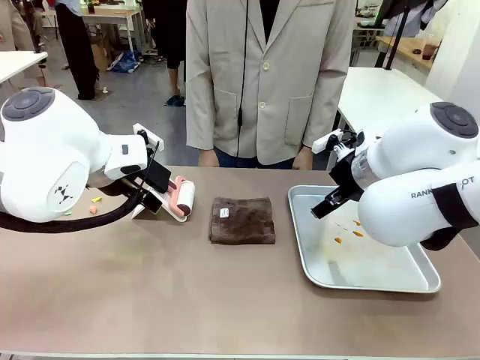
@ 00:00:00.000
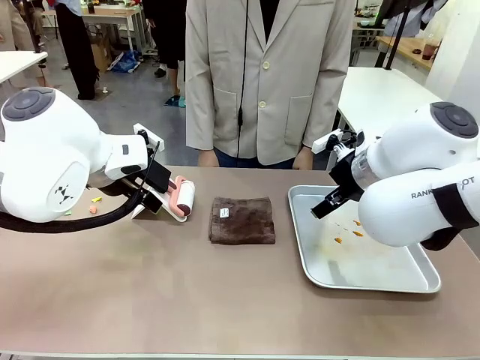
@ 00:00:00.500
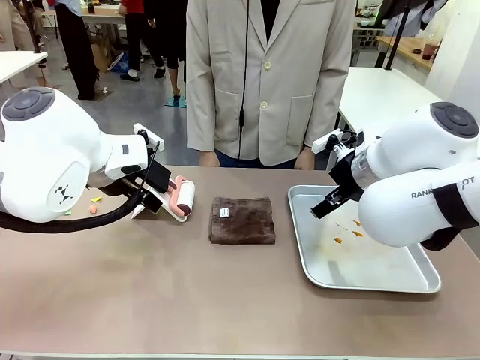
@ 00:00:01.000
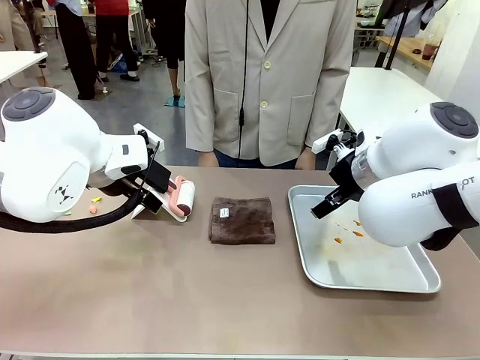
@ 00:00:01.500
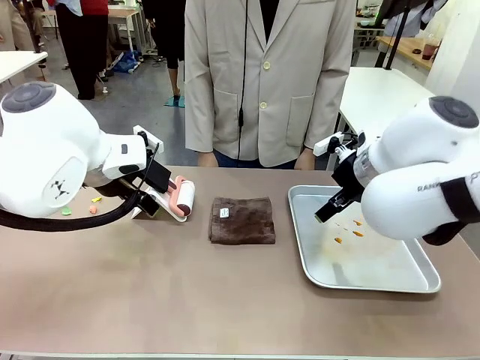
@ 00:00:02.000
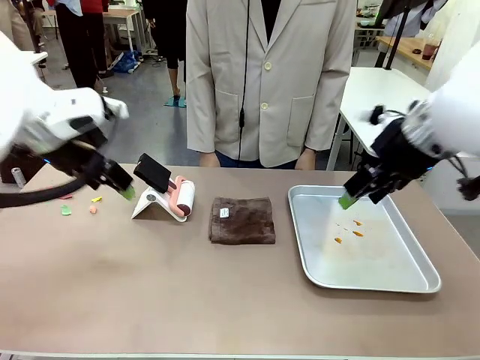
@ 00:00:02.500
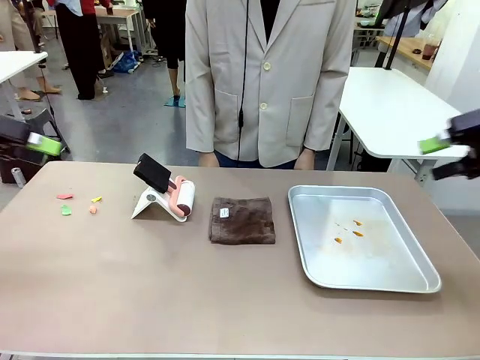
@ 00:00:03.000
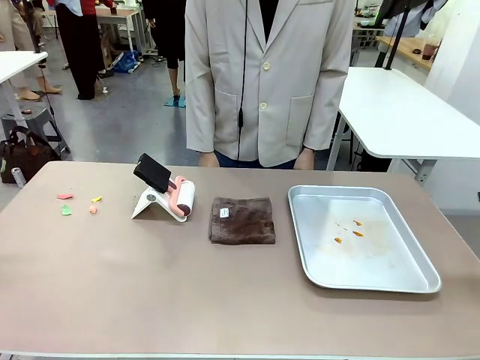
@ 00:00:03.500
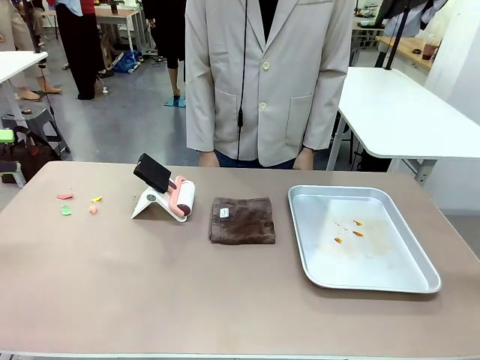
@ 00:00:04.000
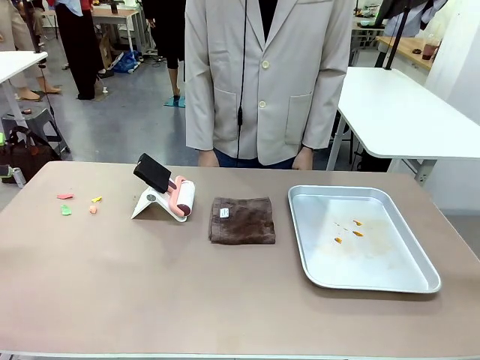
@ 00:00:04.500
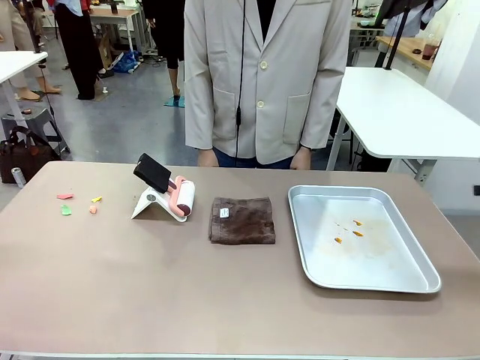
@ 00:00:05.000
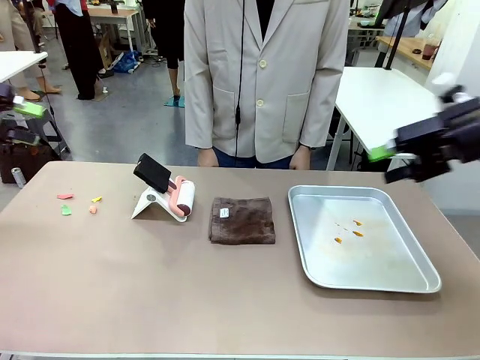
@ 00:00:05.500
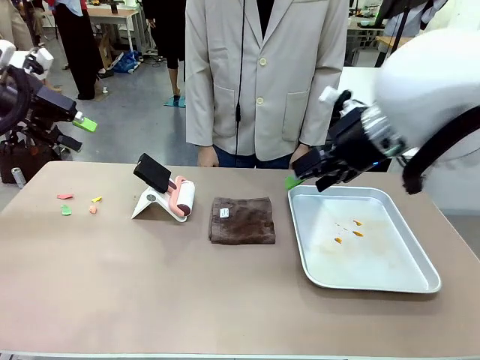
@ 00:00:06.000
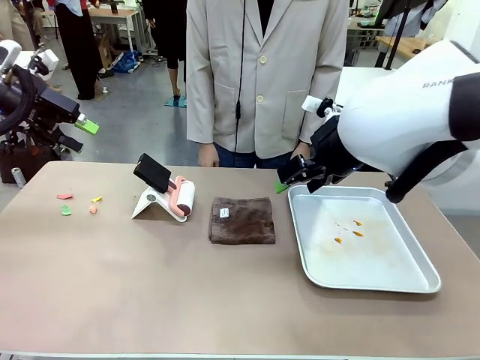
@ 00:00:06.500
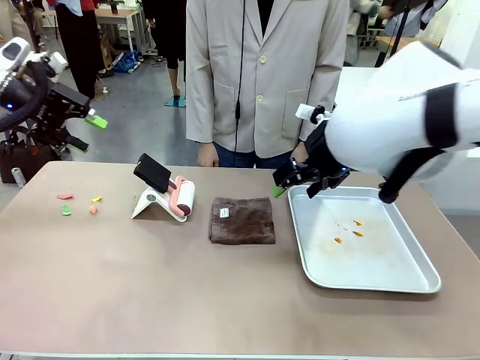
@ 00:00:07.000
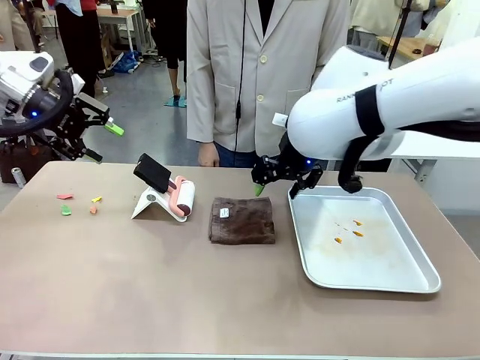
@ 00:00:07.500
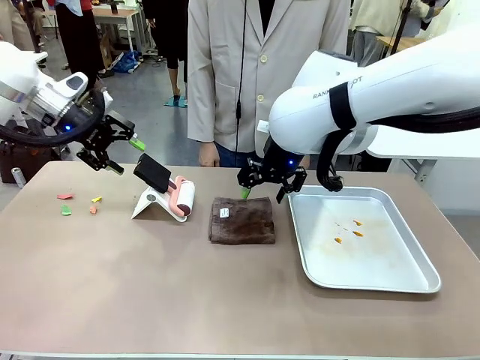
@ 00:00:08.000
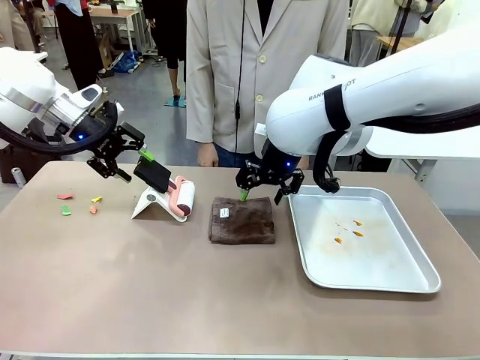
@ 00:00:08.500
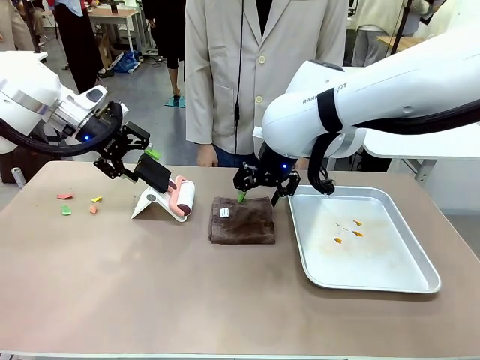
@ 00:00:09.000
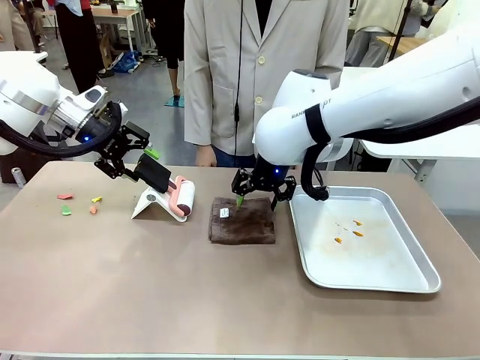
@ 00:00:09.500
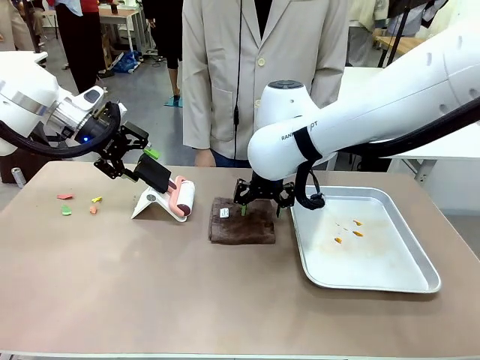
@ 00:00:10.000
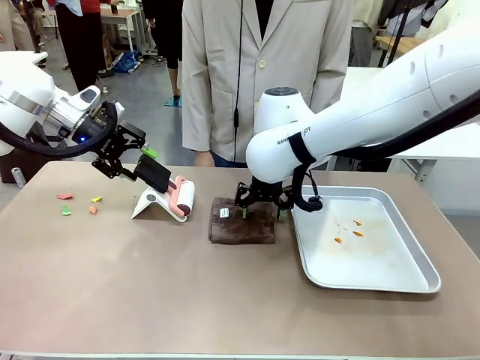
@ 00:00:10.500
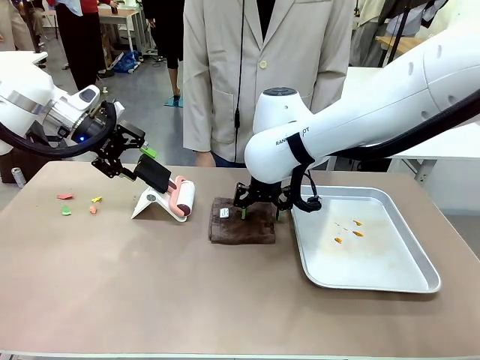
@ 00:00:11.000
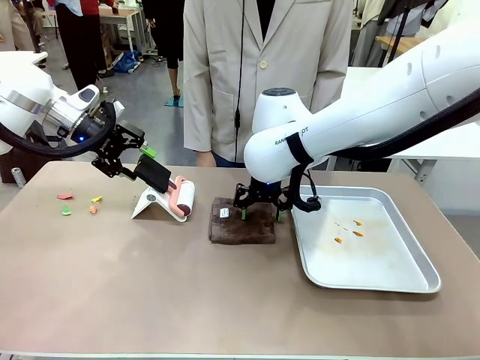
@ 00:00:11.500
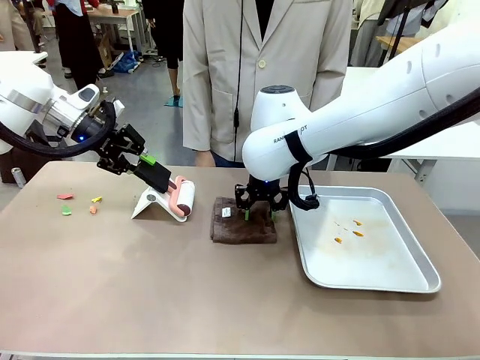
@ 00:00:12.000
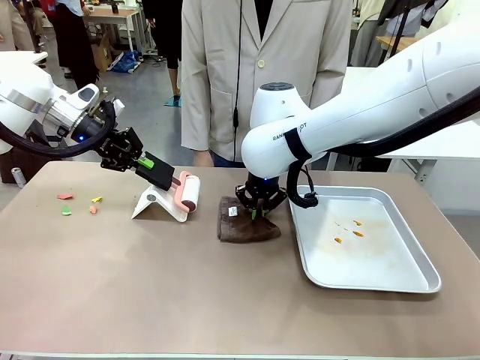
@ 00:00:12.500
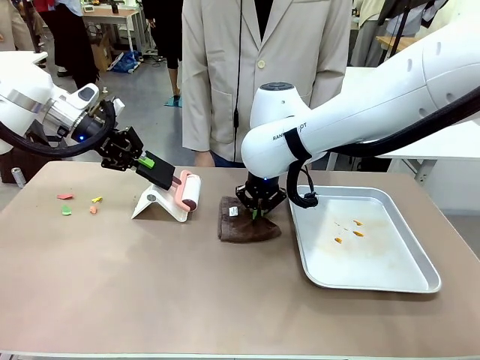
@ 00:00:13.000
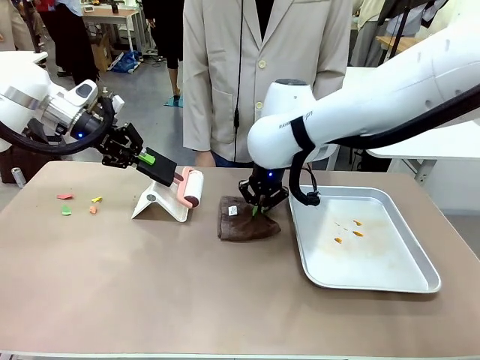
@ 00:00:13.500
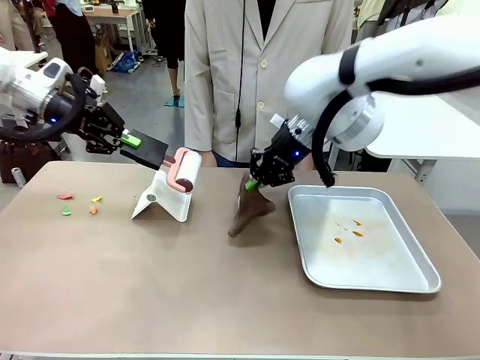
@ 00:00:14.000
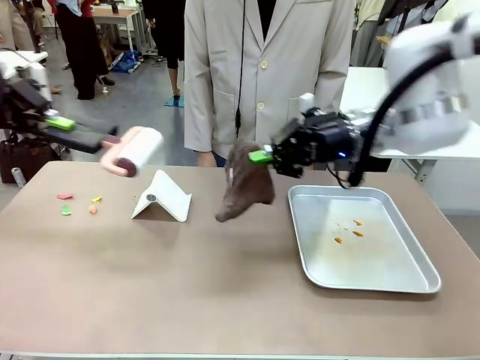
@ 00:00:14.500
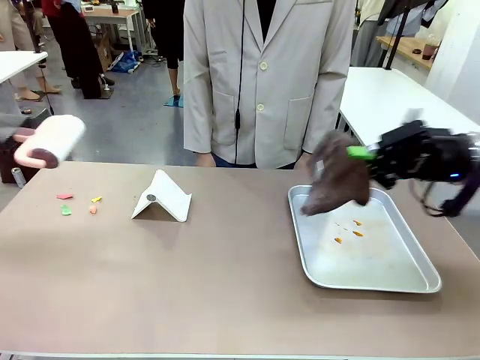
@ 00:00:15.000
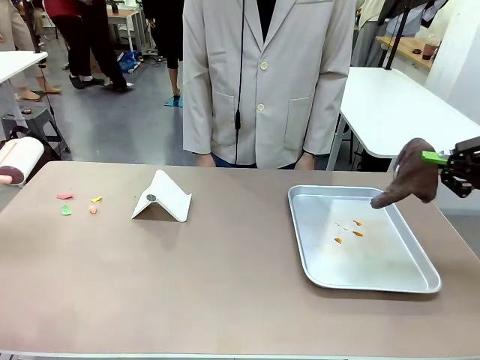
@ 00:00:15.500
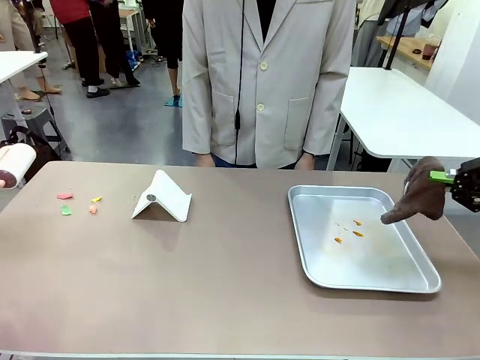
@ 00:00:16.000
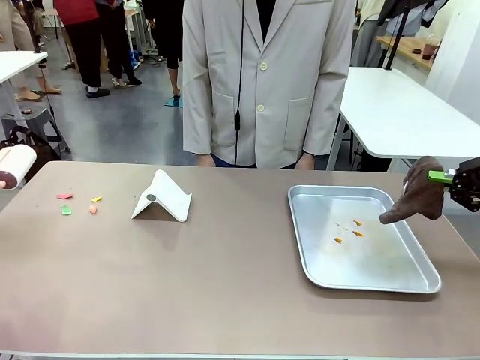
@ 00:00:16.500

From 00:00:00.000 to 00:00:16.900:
Task: Clean the surface of the table.
Robot: Hold the Lint Roller with your left hand and the towel with your right hand.

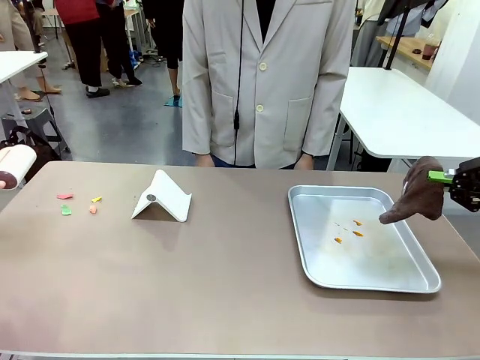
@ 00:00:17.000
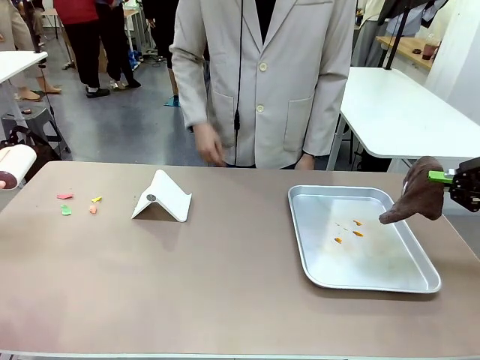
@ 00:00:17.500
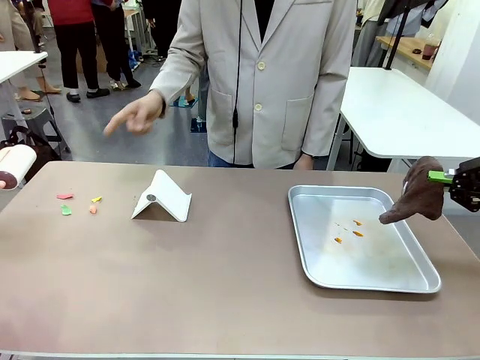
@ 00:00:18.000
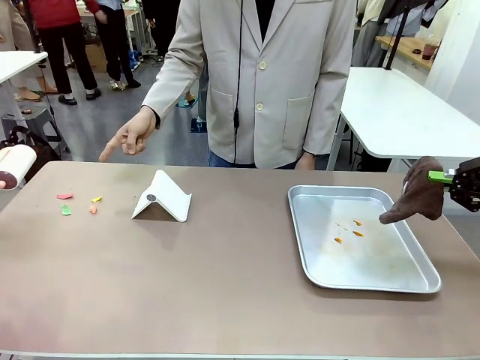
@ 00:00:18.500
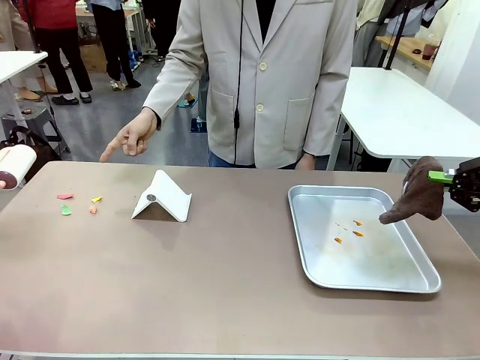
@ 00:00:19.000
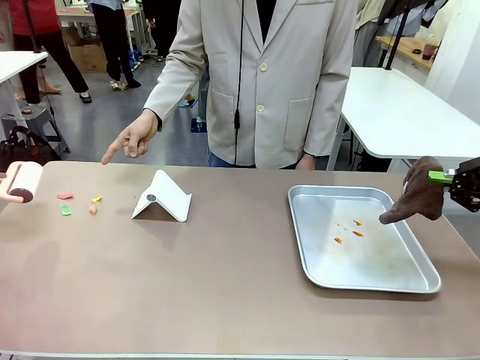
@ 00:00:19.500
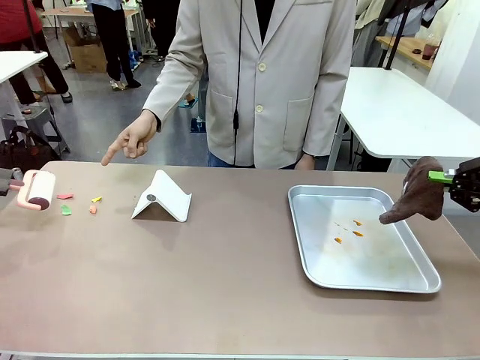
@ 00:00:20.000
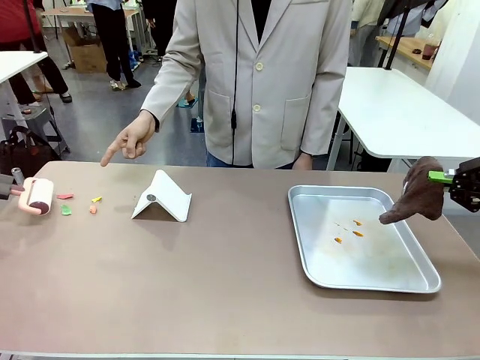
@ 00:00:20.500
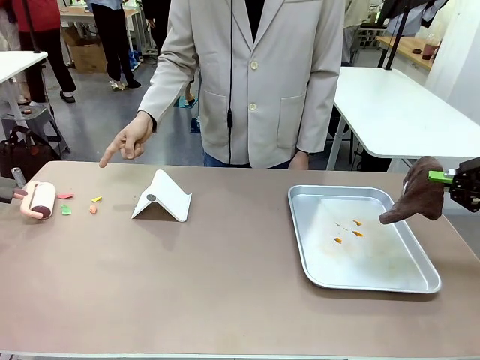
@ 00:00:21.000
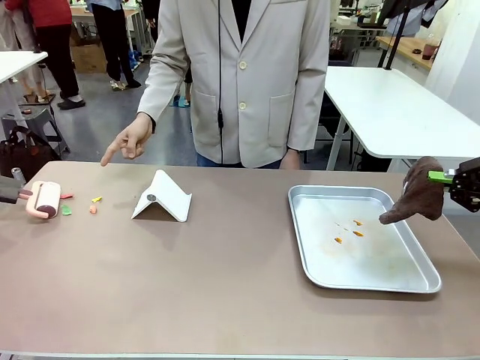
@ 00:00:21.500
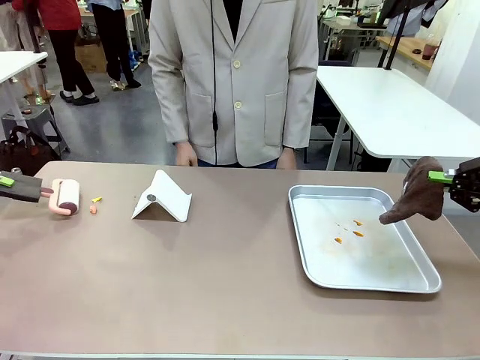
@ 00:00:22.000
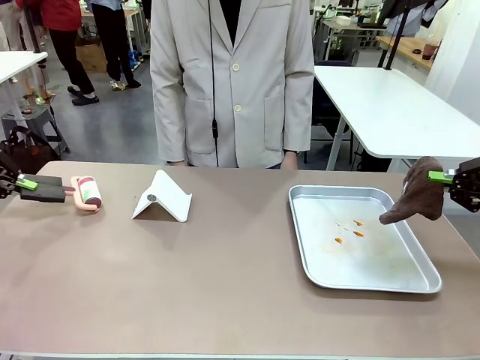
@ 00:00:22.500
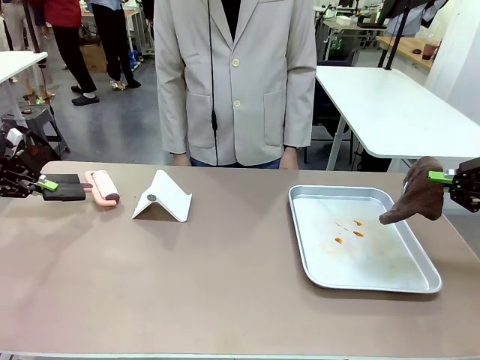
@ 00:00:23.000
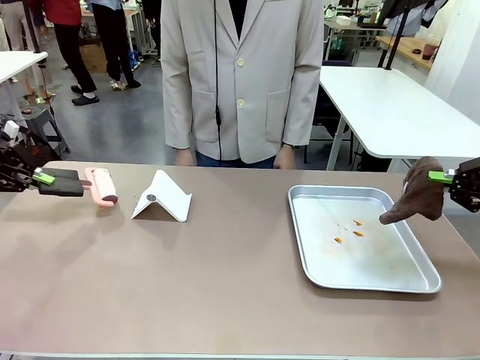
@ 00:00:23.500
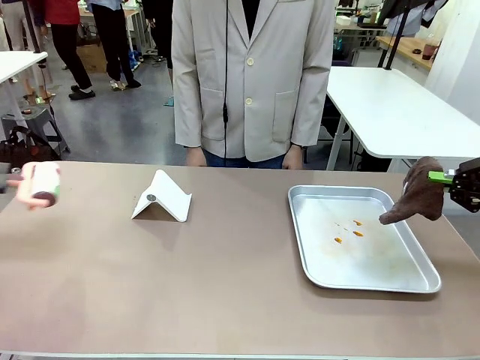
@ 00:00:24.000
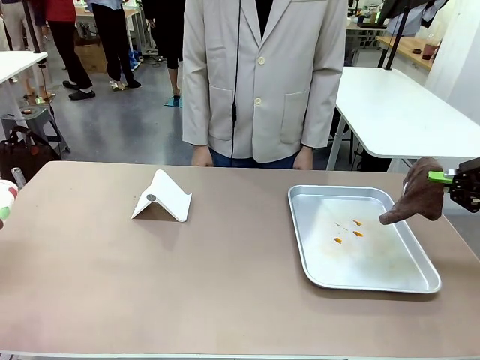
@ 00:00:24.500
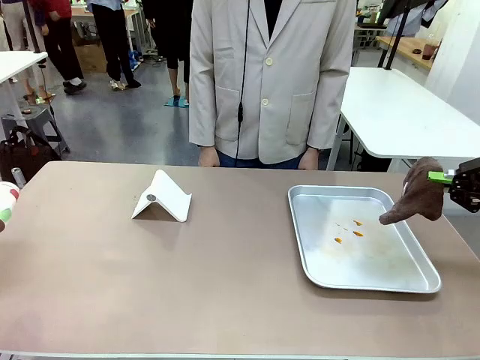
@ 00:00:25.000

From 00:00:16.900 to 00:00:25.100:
Robot: If a person points to the right, clean the right side of the table with your right hand, and if they point to the left, clean the left side with your left hand.
